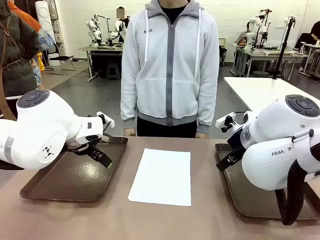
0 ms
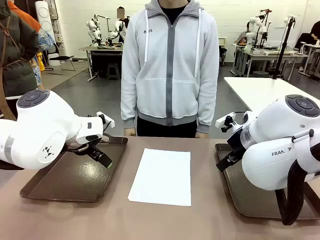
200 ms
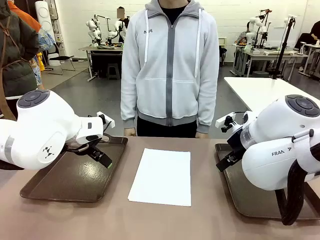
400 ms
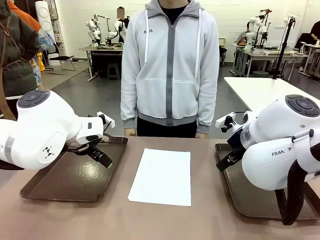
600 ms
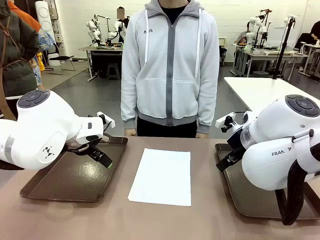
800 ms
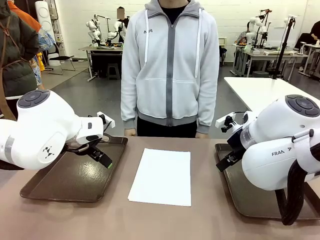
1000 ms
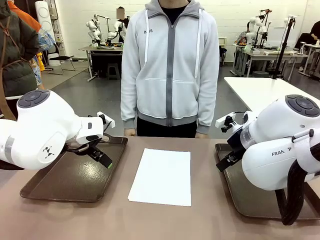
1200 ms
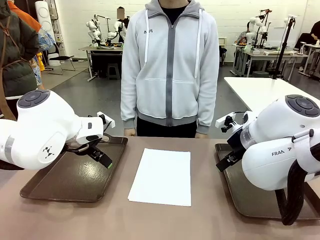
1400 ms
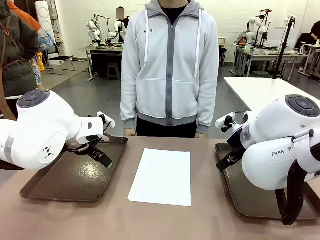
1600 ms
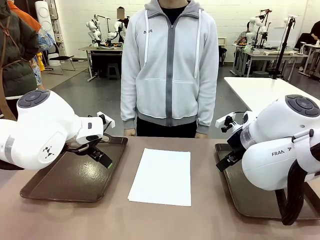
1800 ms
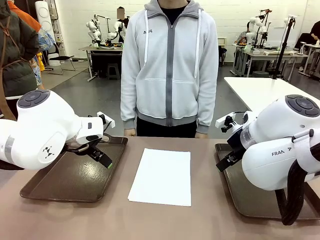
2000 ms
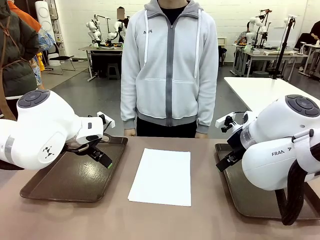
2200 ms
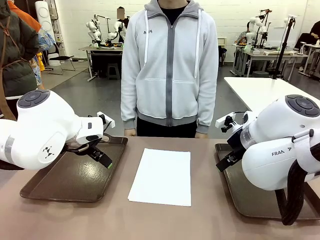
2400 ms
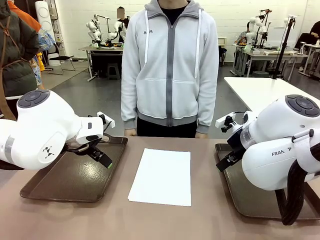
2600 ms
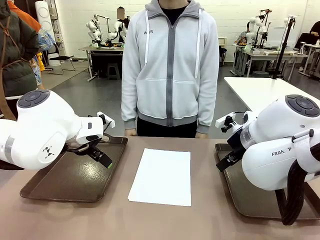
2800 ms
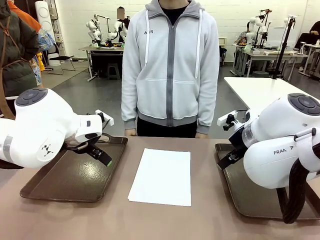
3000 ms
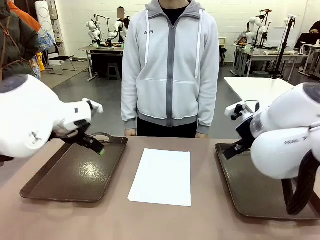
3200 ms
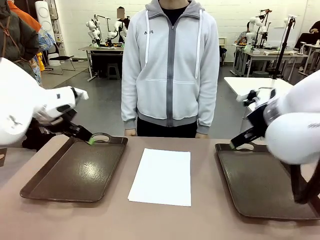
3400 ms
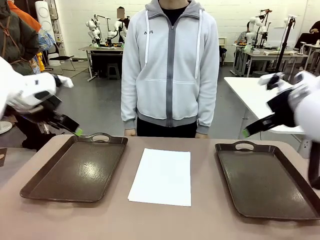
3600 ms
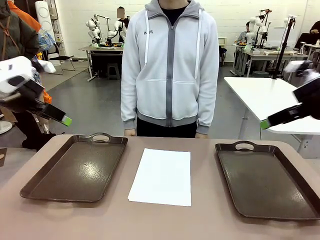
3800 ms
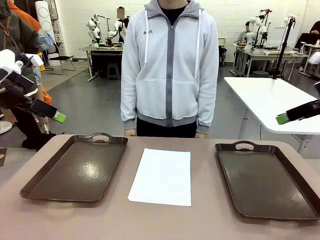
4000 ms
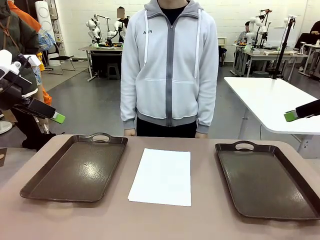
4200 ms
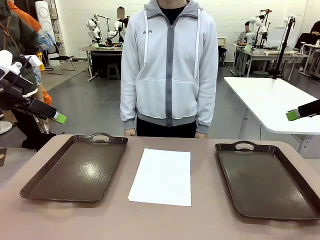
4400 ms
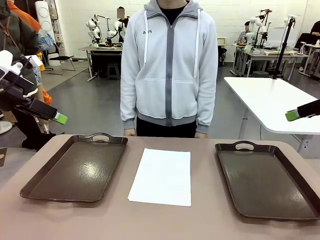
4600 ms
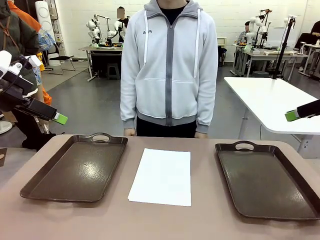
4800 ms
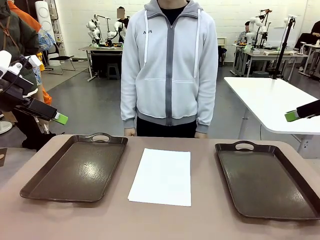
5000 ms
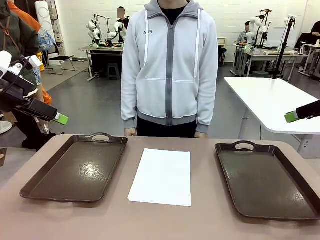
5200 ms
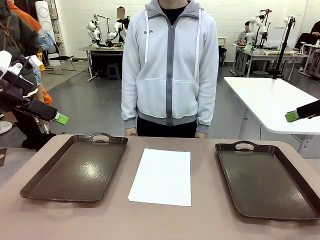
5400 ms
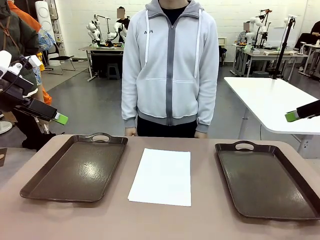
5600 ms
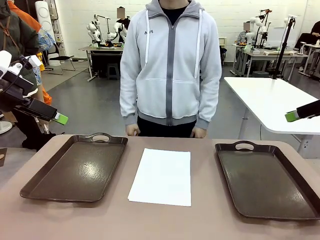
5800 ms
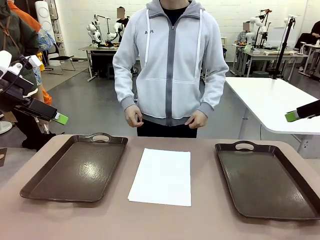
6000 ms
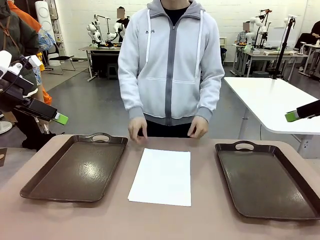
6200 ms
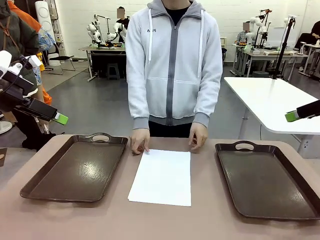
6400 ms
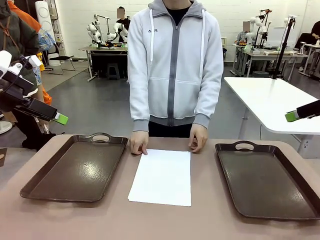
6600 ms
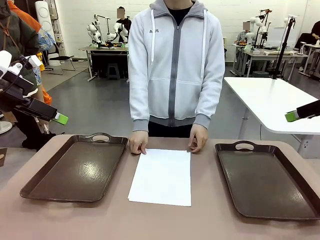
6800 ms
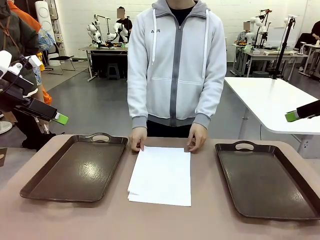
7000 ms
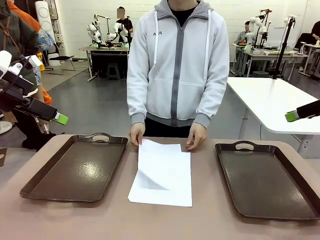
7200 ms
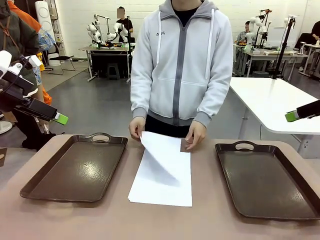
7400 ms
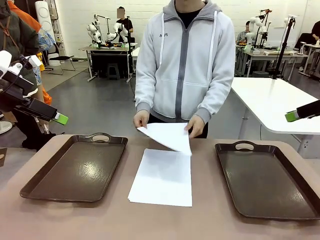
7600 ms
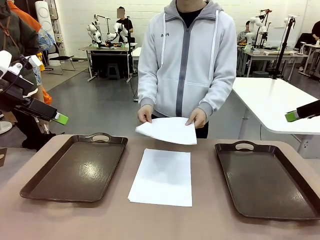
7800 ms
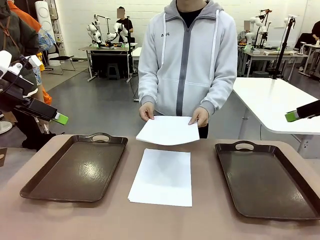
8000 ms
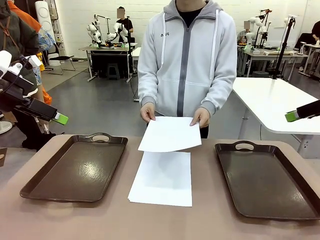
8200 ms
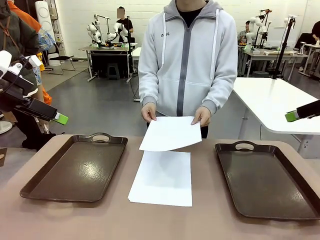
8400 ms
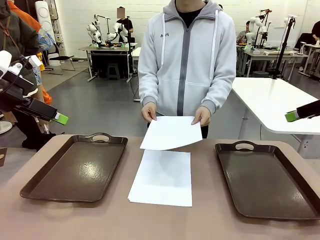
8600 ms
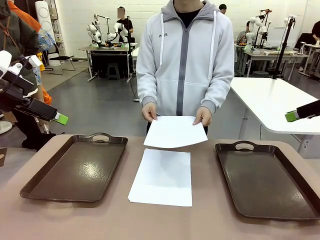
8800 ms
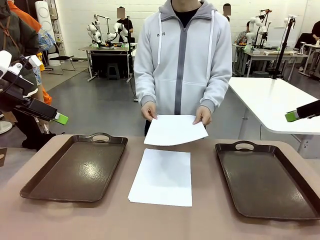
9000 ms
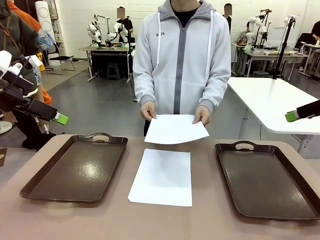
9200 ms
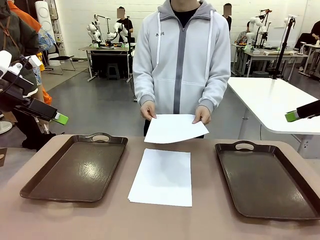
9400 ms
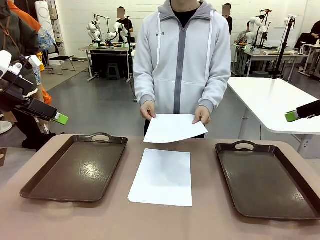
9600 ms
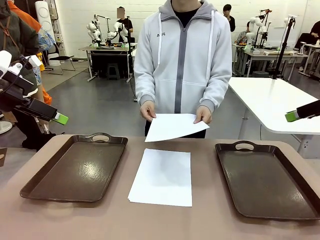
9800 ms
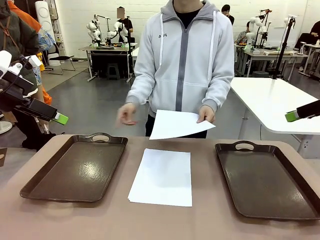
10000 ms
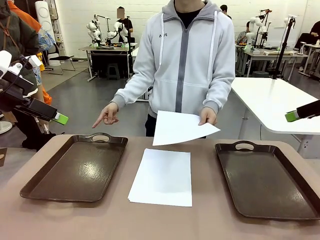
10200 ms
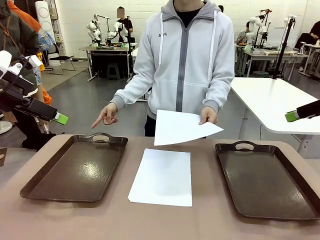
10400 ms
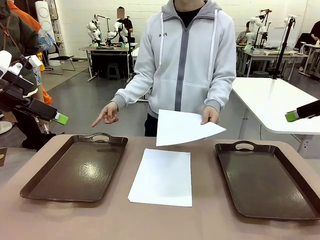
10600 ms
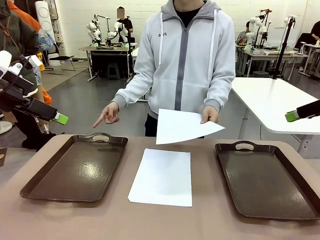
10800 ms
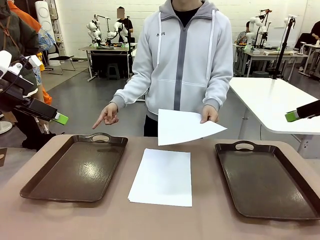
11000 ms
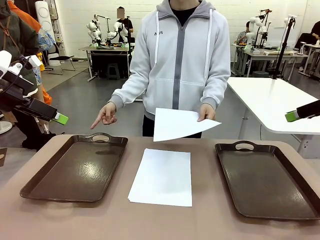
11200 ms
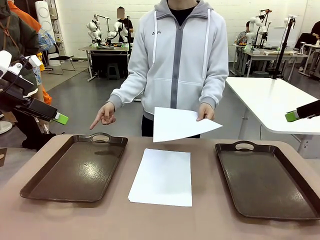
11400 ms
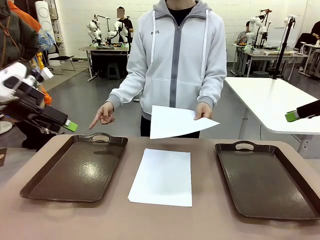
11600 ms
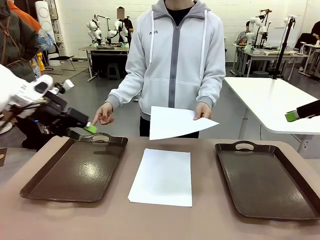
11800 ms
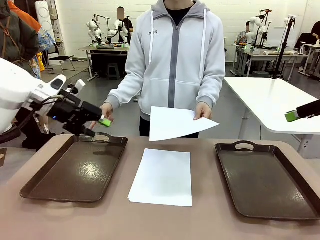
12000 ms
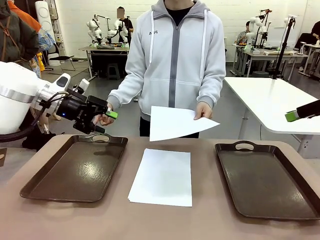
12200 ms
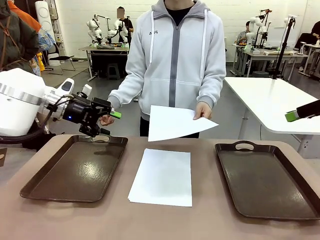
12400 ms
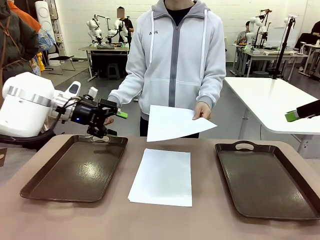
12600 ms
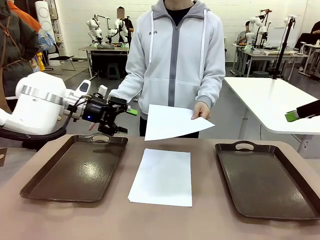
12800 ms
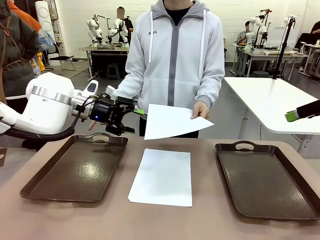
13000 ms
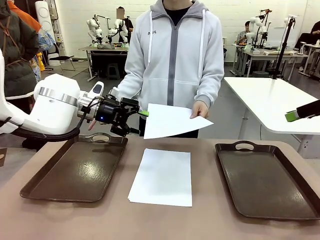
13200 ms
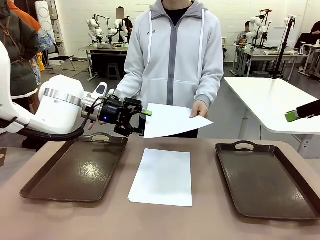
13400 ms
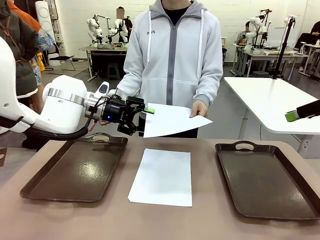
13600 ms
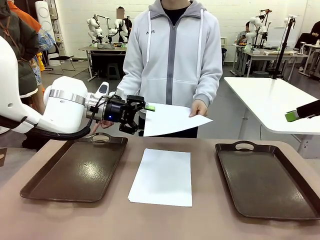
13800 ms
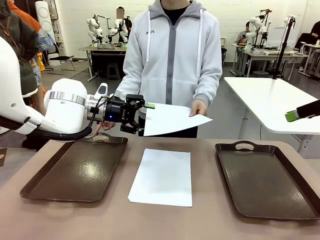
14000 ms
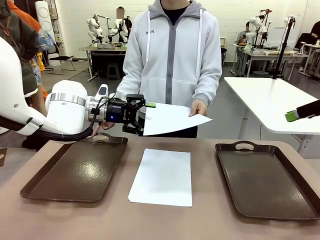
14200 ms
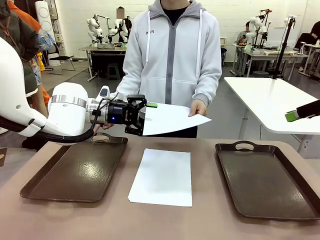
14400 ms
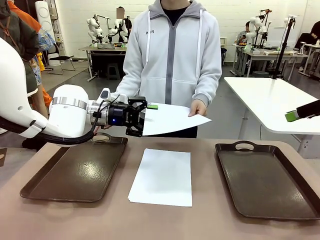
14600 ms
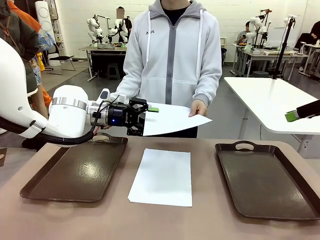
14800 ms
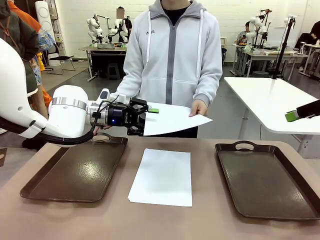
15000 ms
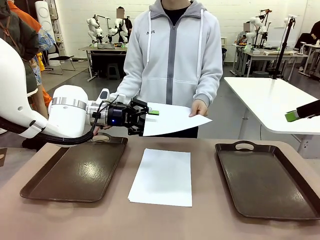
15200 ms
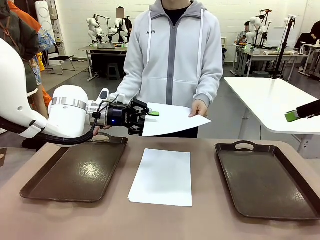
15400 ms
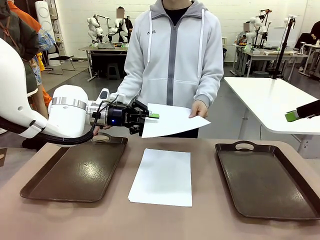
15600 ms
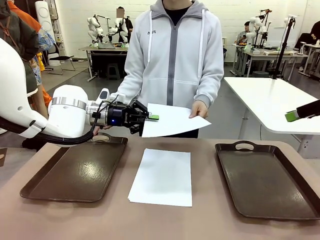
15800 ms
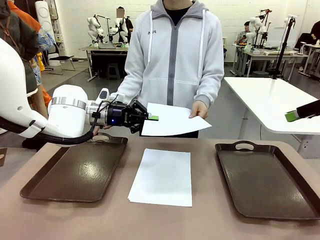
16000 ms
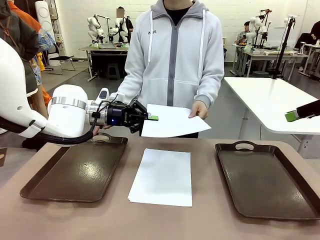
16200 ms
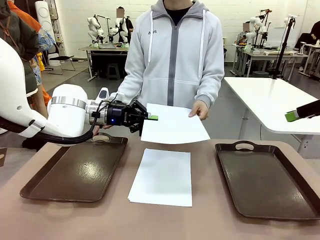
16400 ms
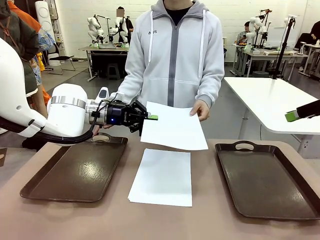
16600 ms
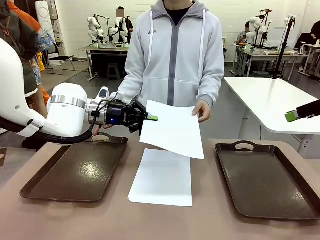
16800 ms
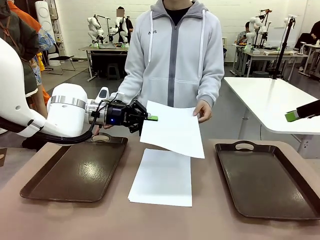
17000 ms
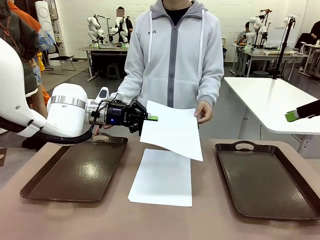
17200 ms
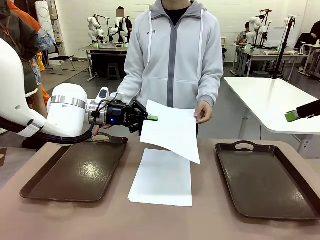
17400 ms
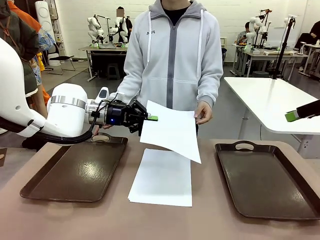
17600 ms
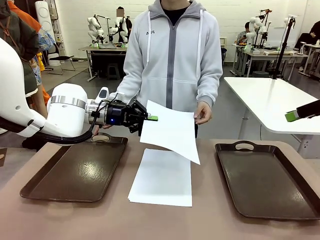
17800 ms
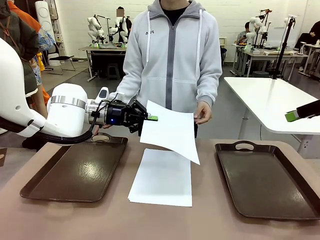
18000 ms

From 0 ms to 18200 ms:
Task: Sort the A4 documents.
Robot: Receive the A4 Paper.
Person: Pick up a sheet of paper from the center of the table and hand it to the robot. Point the randomly selected tray with the other hand.
